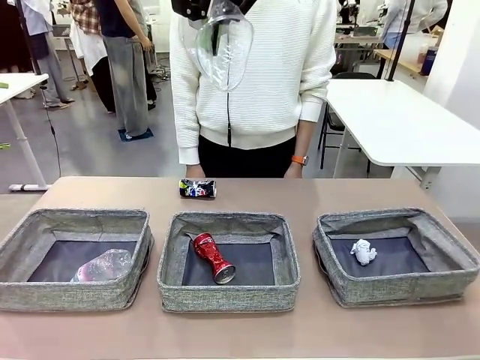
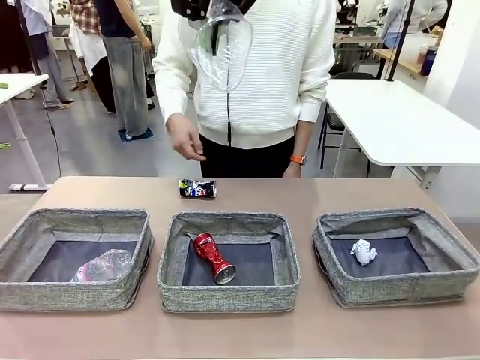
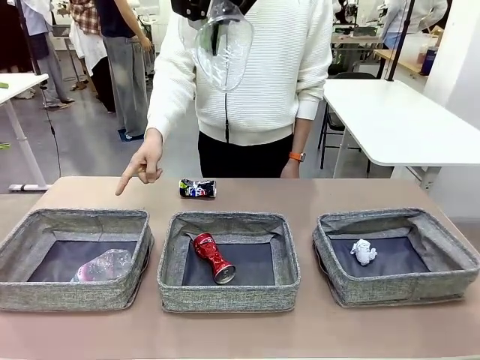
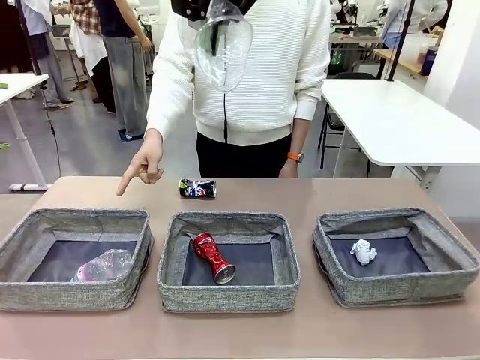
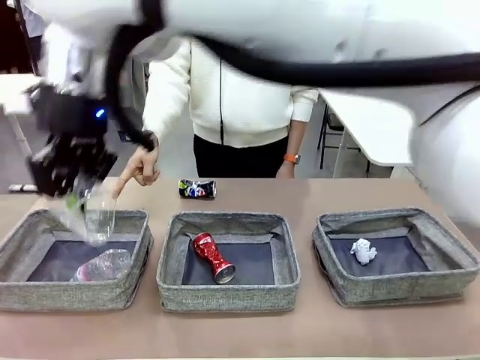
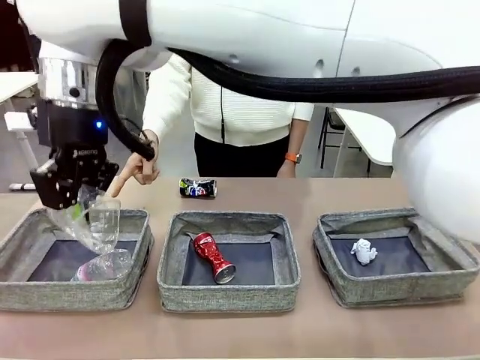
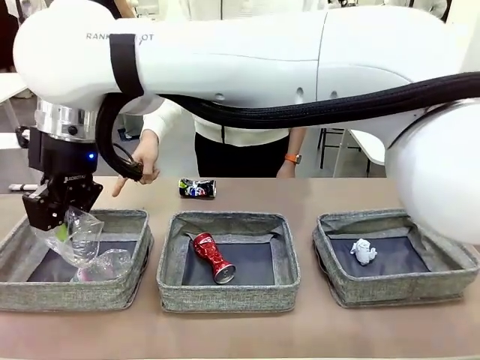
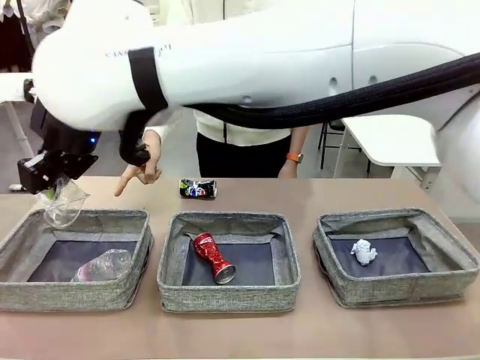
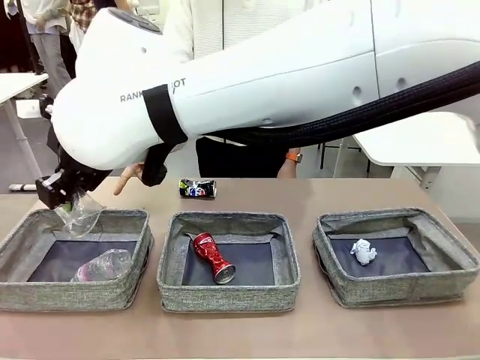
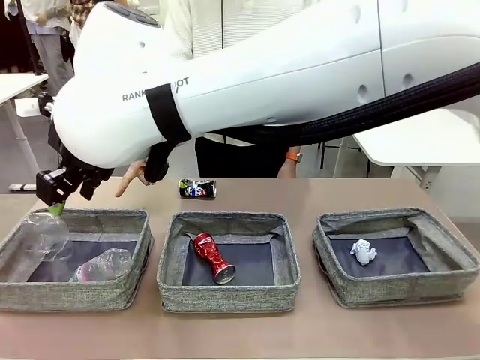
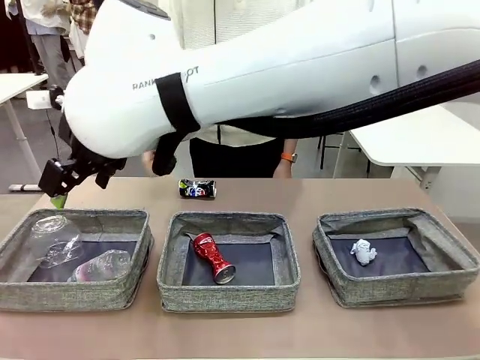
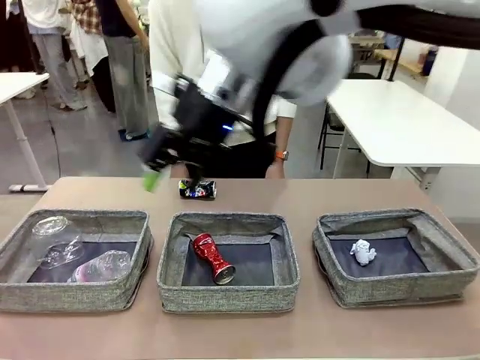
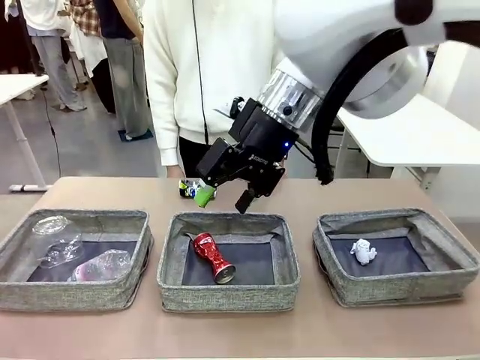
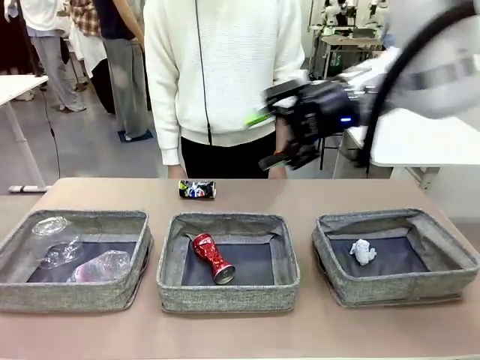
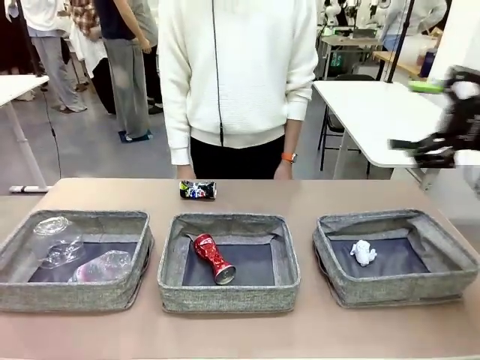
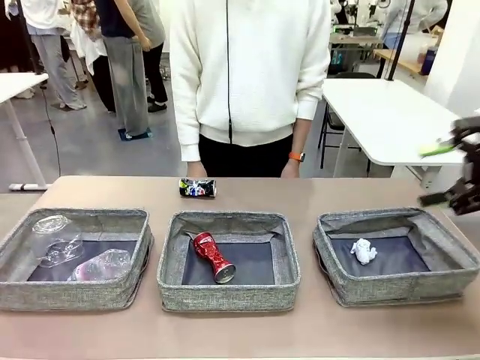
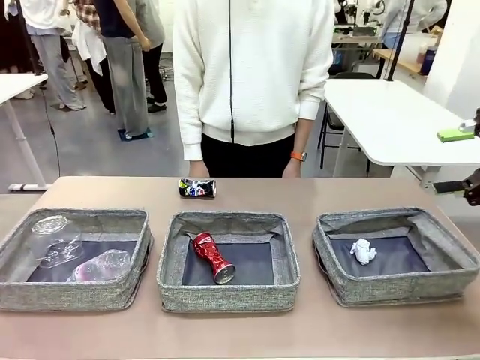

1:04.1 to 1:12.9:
Task: Sort the waste into the appropriate baskets.
Robot: Place the picked waste into the Fabric basket indicated by the person.
Person: Instructs the robot to place the picked-up trash into the appropriate organizing basket.

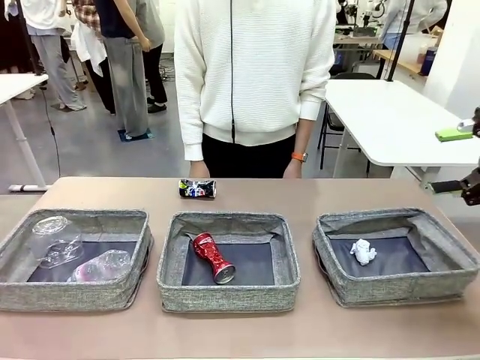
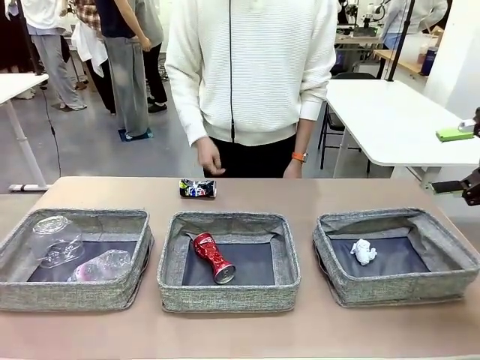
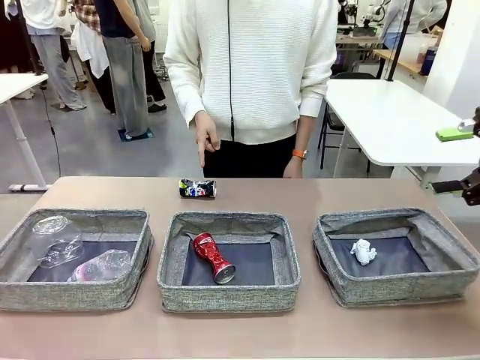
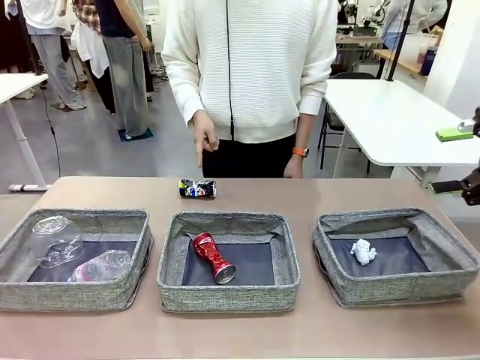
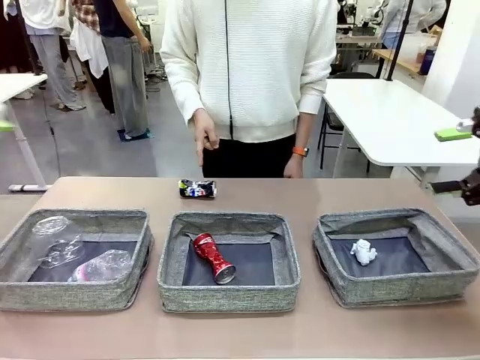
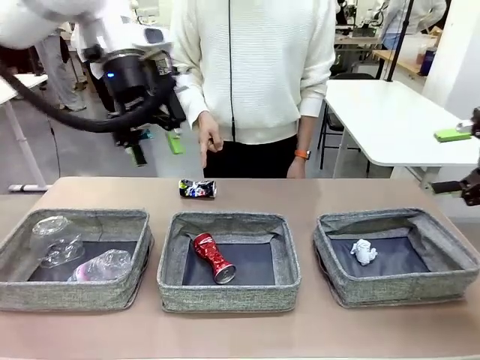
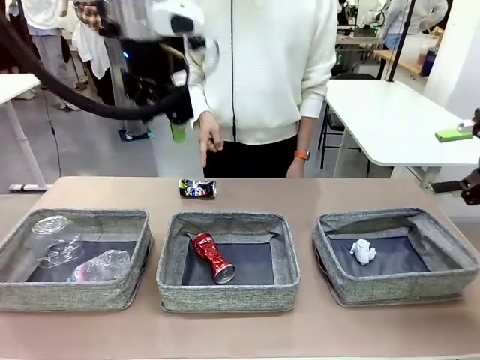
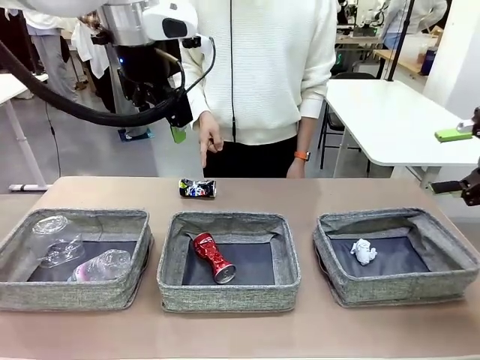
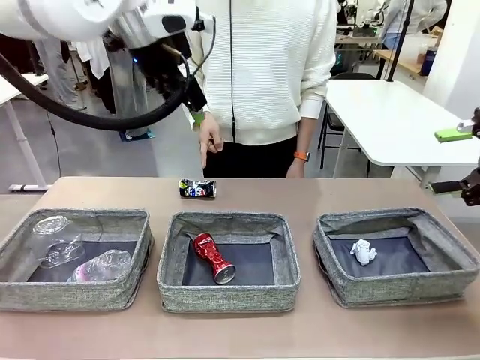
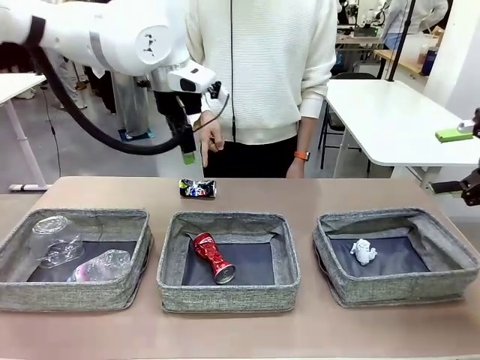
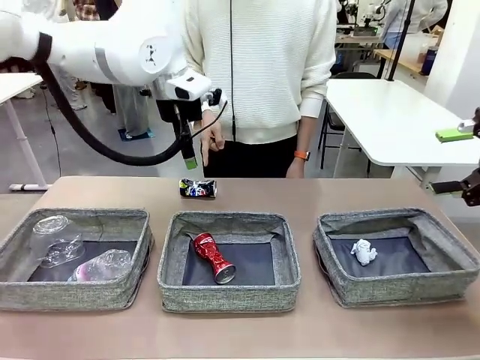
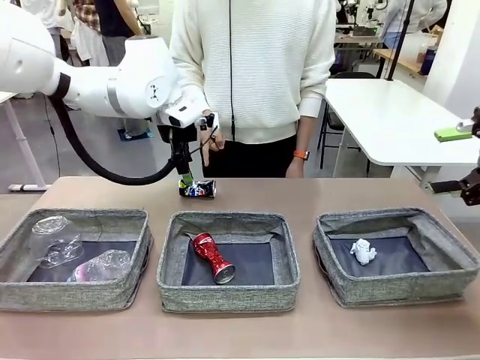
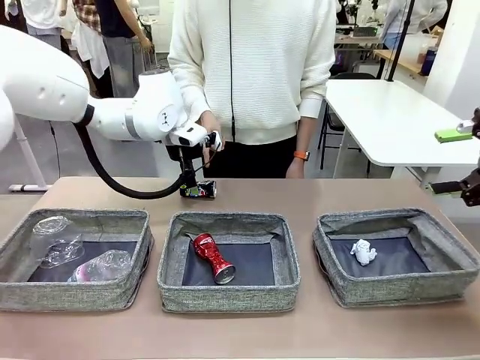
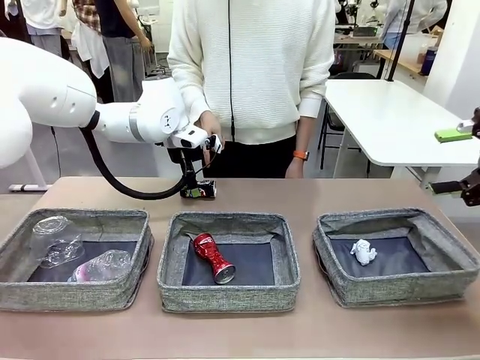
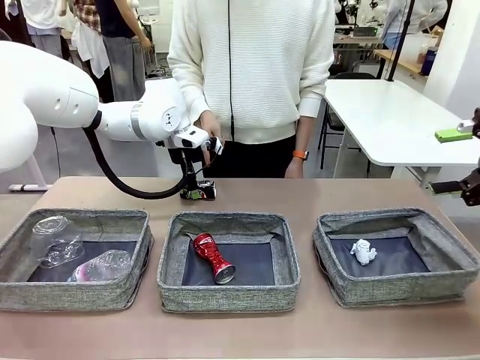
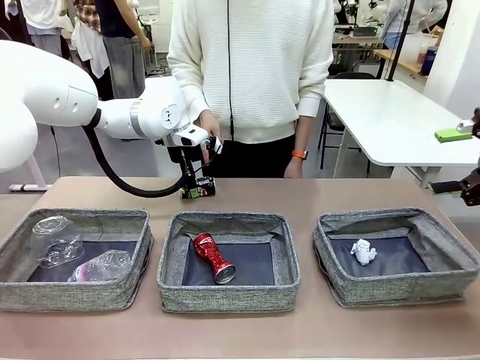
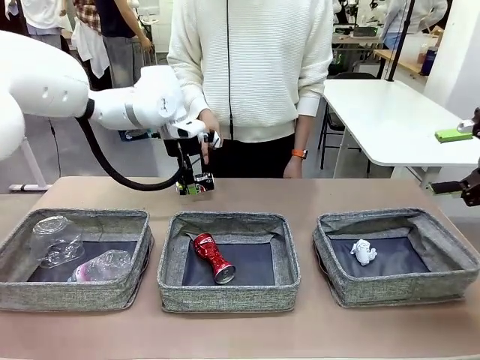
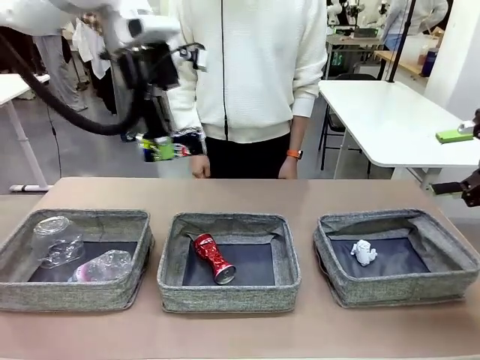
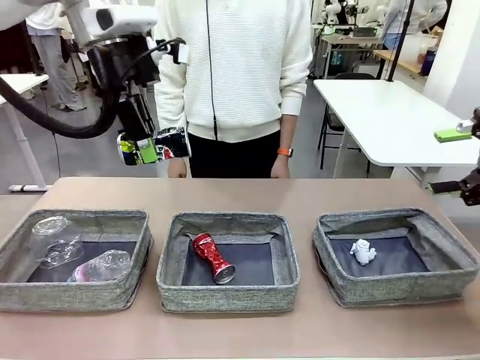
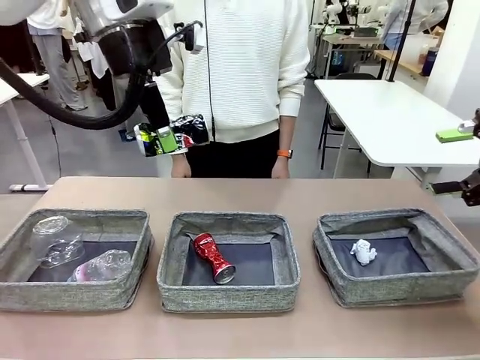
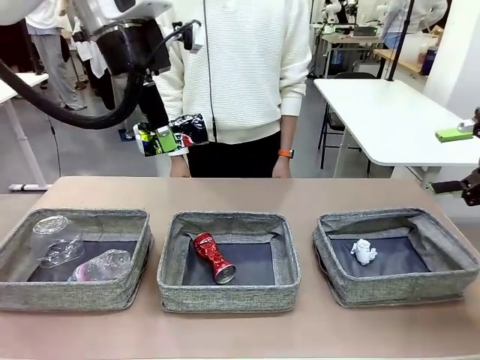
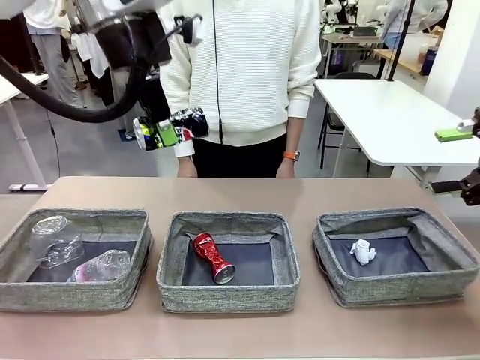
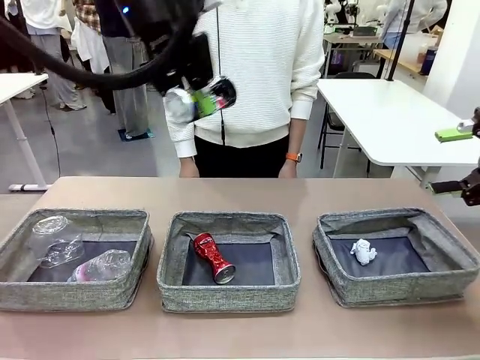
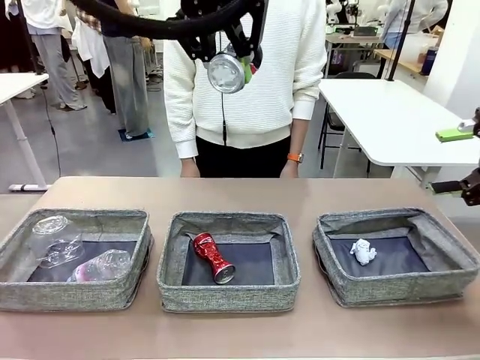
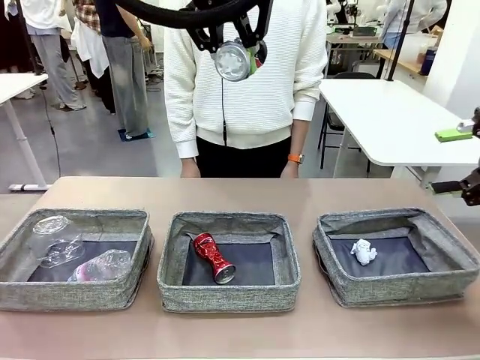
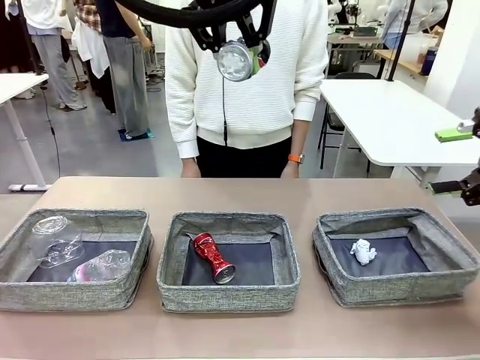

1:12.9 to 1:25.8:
Robot: Pick up the waste item pointed out by the person.
Person: Points to one piece of trash on the table.

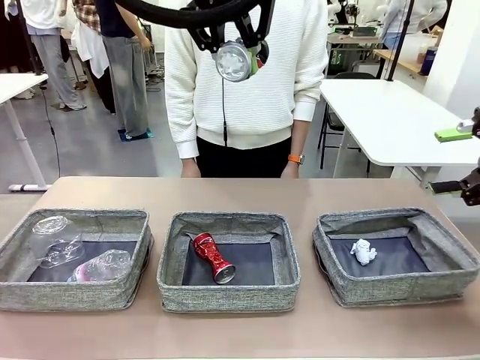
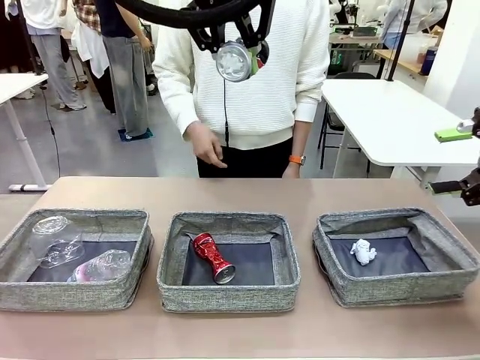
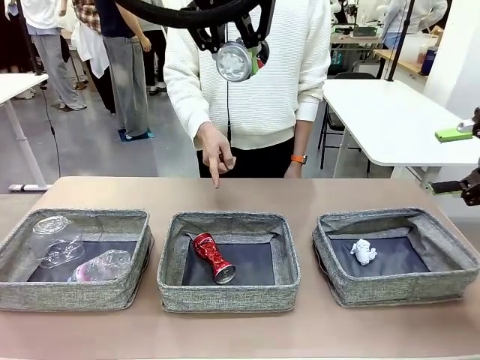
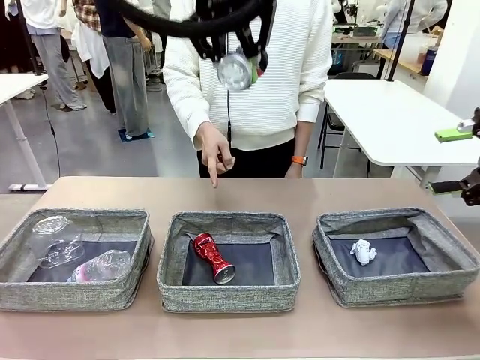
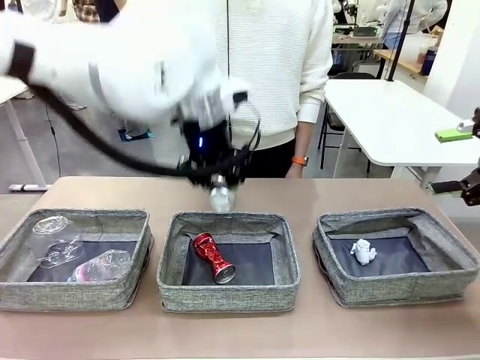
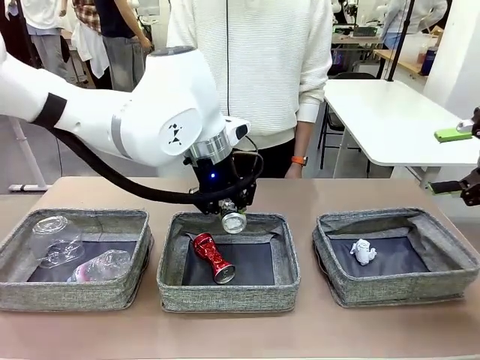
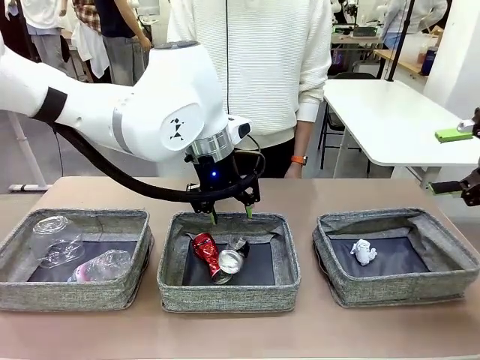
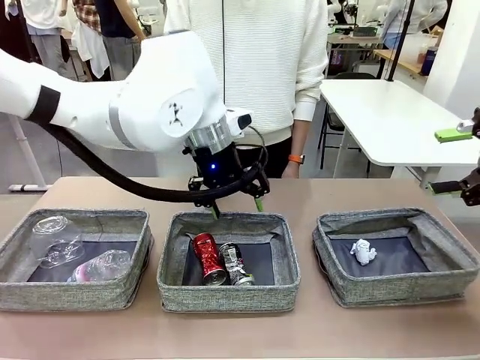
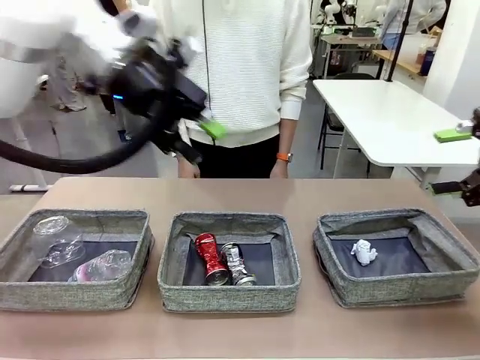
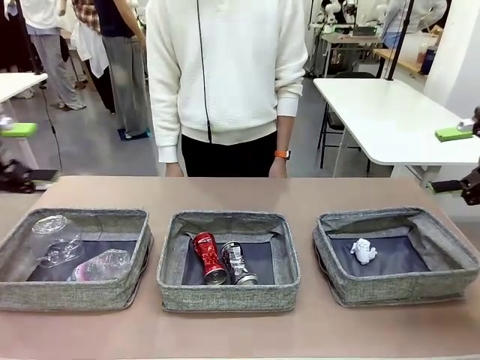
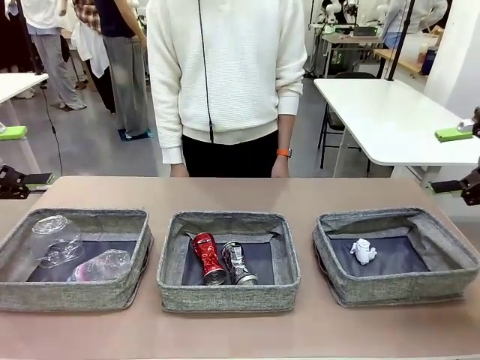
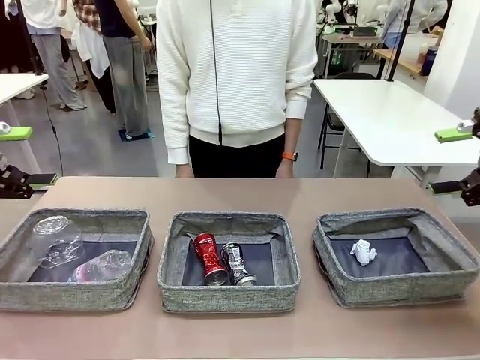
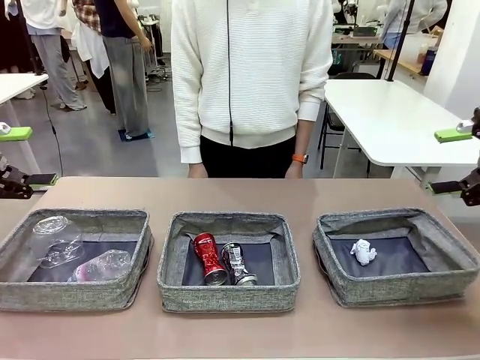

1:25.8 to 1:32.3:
Robot: Place the picked waste into the Fabric basket indicated by the person.
Person: Instructs the robot to place the picked-up trash into the appropriate organizing basket.
